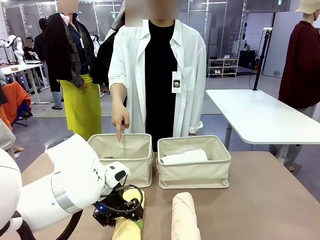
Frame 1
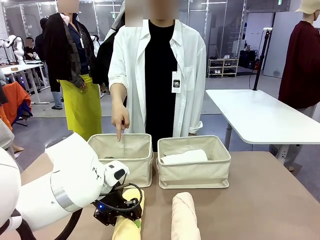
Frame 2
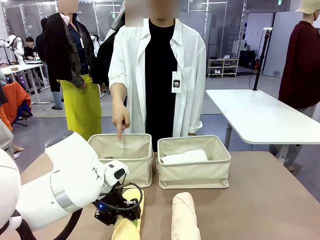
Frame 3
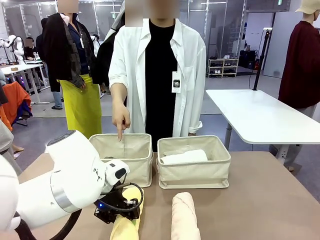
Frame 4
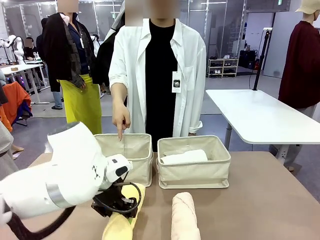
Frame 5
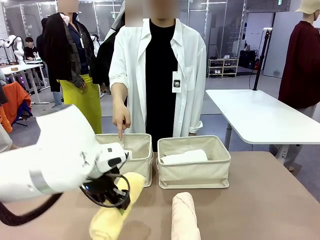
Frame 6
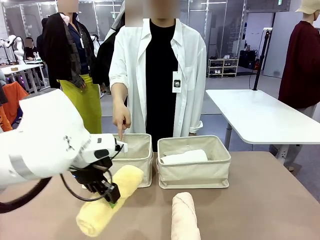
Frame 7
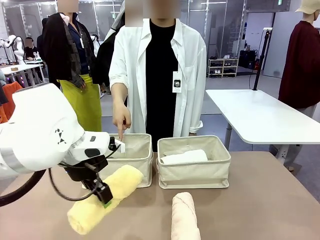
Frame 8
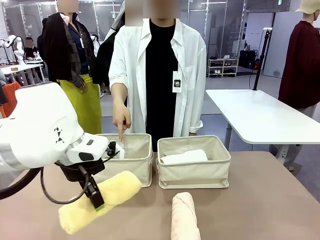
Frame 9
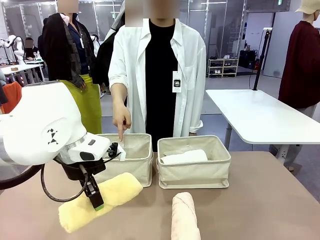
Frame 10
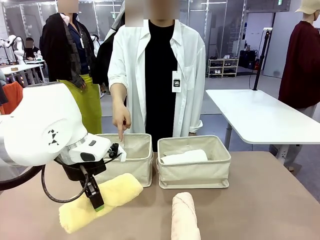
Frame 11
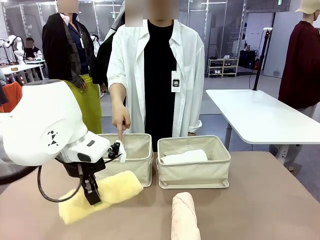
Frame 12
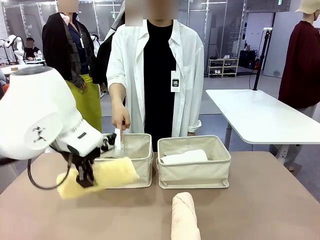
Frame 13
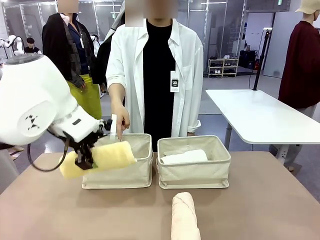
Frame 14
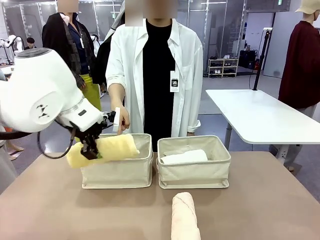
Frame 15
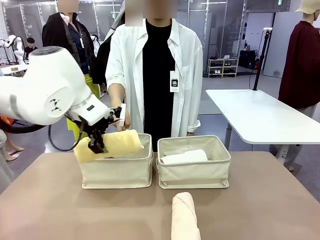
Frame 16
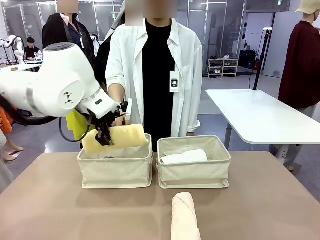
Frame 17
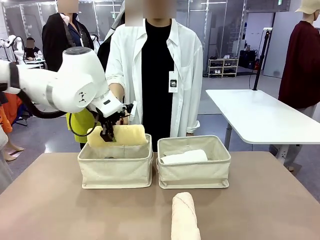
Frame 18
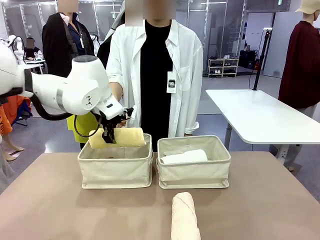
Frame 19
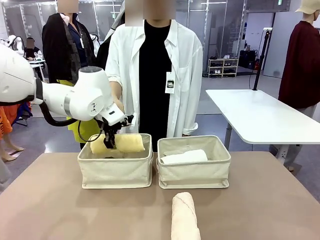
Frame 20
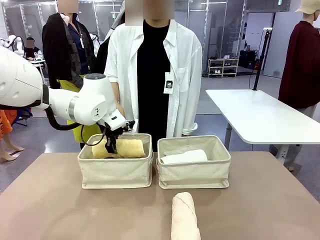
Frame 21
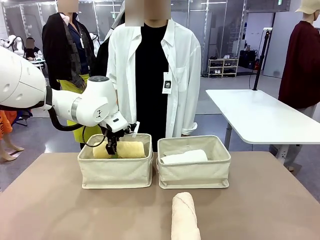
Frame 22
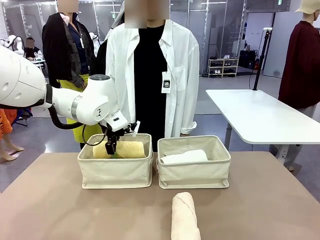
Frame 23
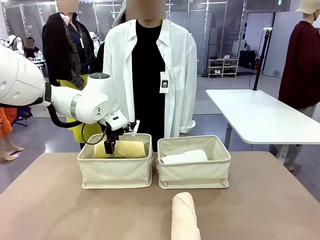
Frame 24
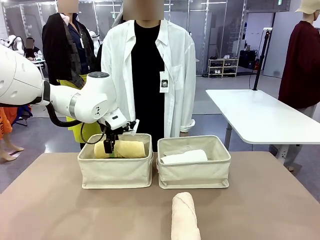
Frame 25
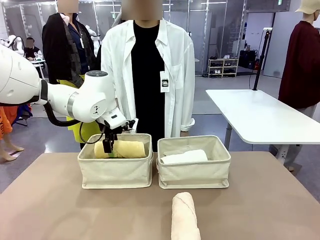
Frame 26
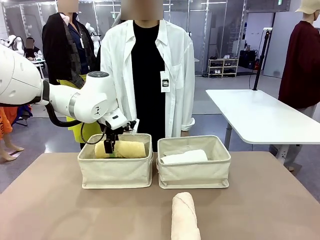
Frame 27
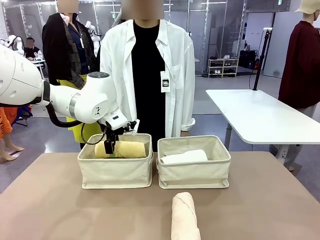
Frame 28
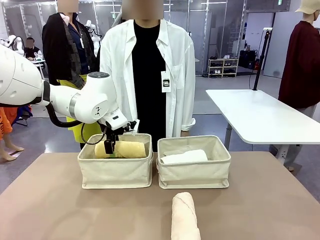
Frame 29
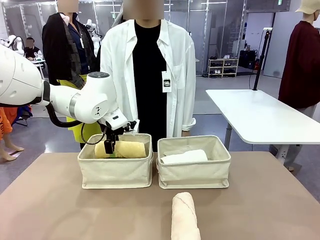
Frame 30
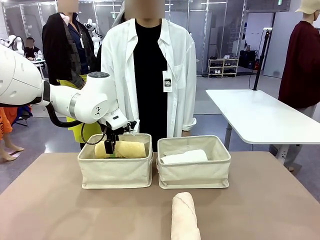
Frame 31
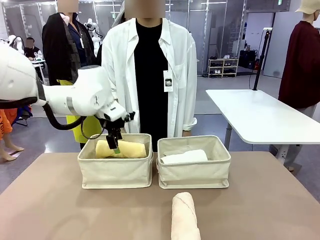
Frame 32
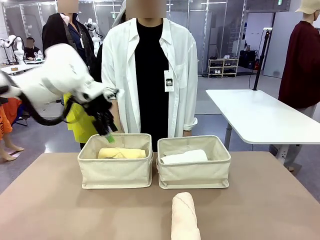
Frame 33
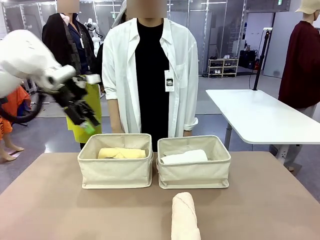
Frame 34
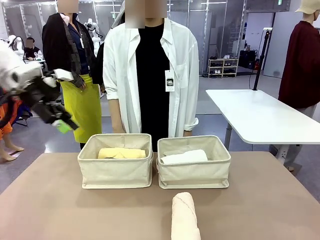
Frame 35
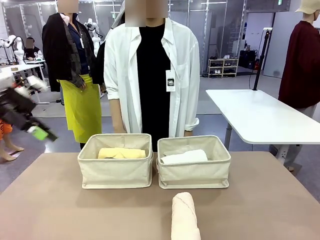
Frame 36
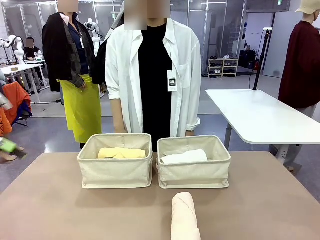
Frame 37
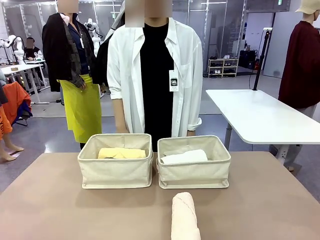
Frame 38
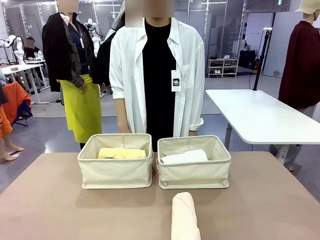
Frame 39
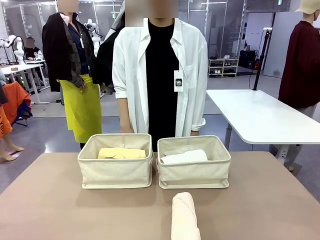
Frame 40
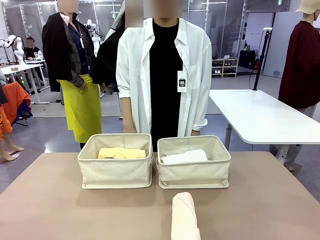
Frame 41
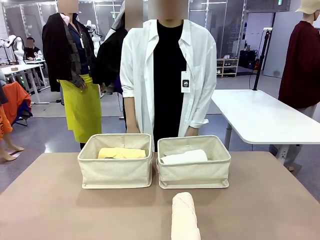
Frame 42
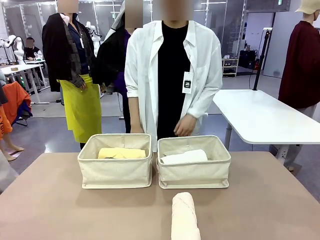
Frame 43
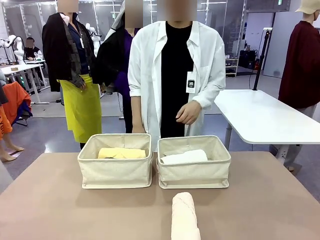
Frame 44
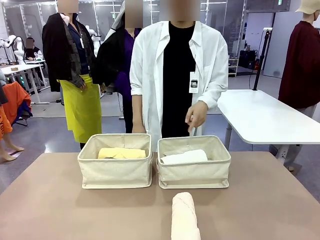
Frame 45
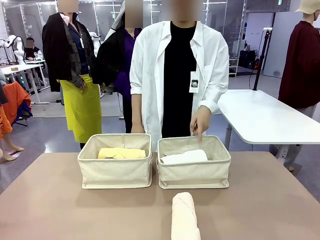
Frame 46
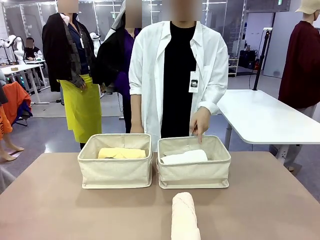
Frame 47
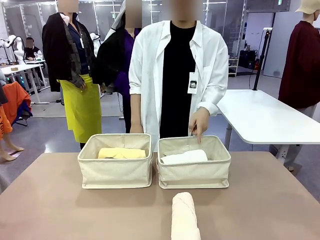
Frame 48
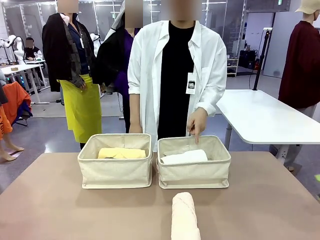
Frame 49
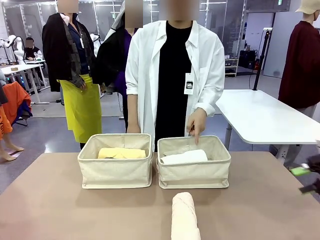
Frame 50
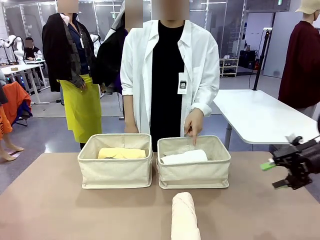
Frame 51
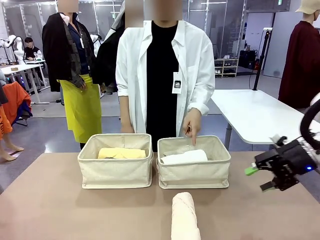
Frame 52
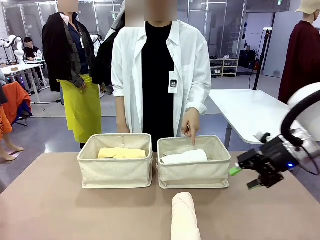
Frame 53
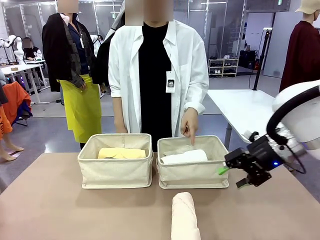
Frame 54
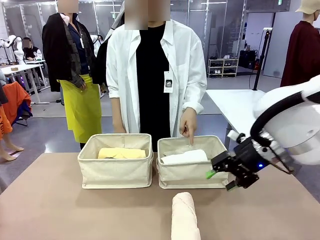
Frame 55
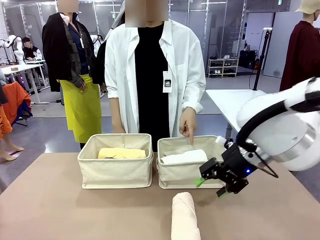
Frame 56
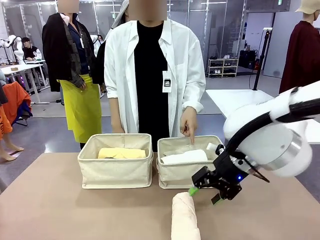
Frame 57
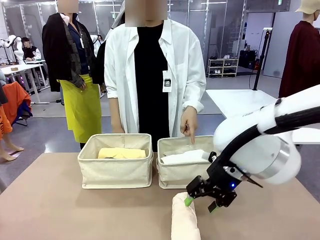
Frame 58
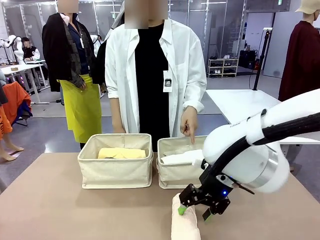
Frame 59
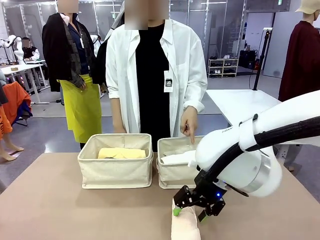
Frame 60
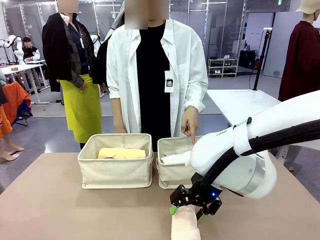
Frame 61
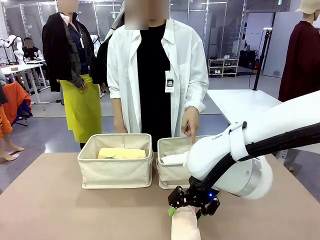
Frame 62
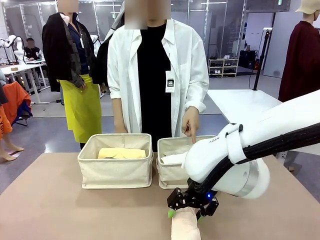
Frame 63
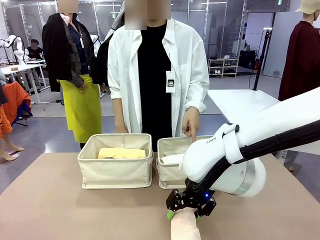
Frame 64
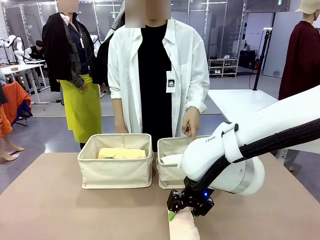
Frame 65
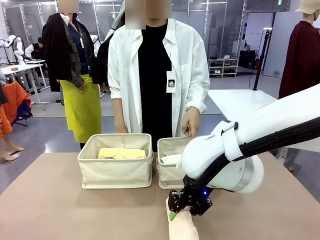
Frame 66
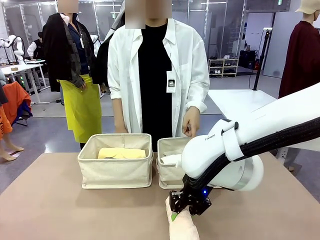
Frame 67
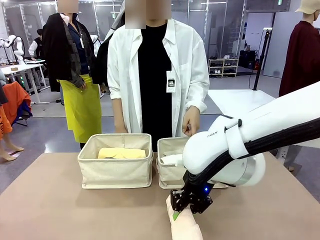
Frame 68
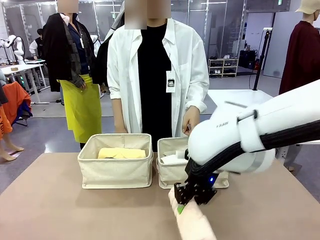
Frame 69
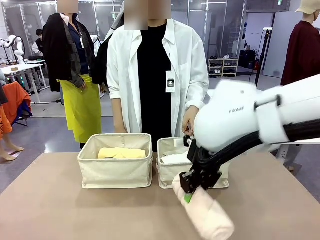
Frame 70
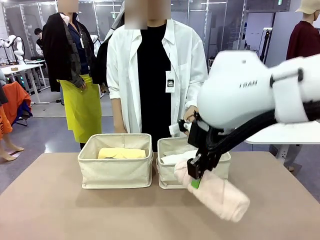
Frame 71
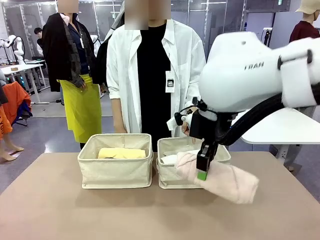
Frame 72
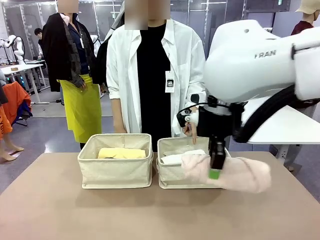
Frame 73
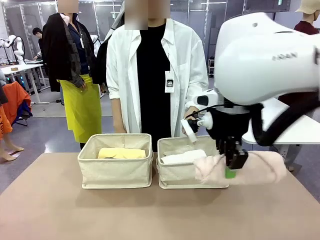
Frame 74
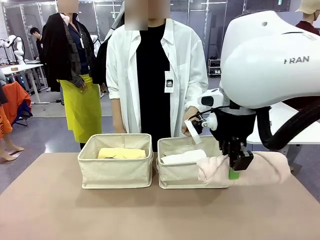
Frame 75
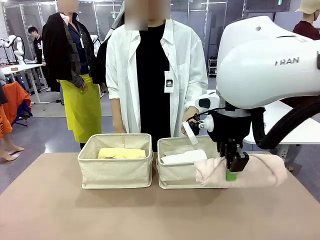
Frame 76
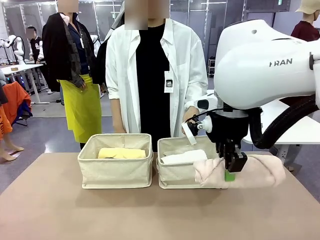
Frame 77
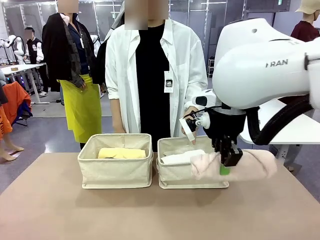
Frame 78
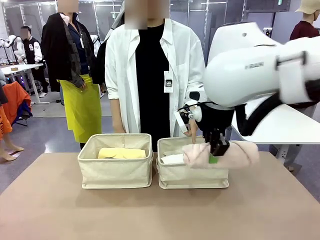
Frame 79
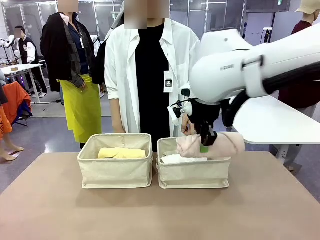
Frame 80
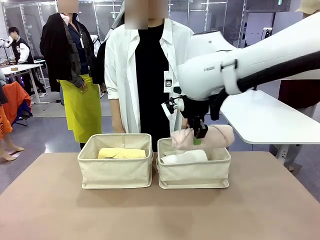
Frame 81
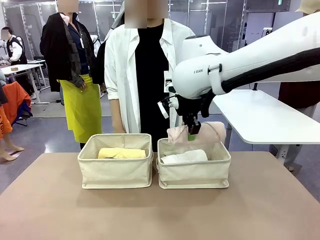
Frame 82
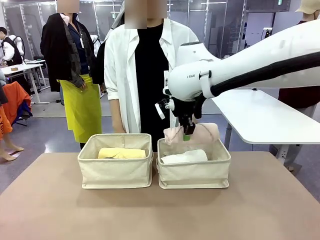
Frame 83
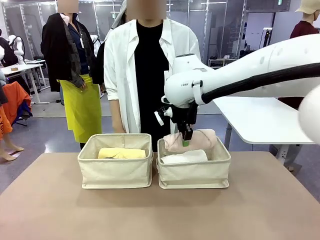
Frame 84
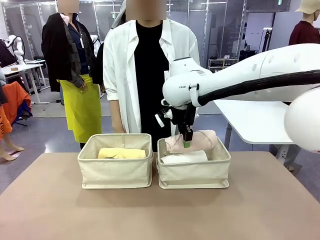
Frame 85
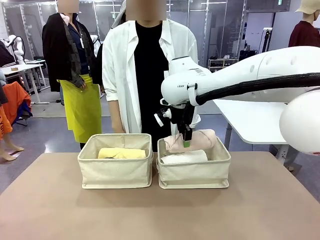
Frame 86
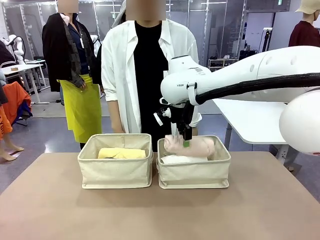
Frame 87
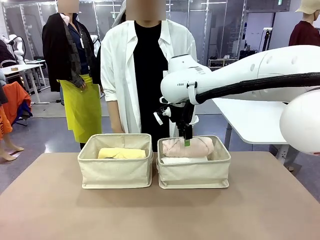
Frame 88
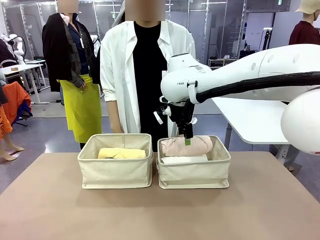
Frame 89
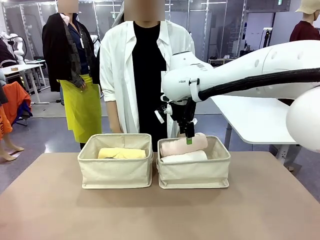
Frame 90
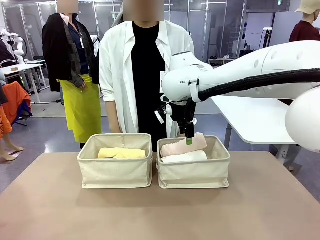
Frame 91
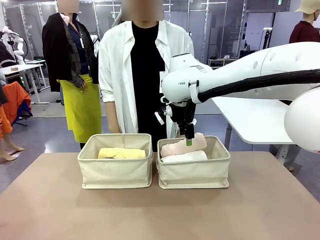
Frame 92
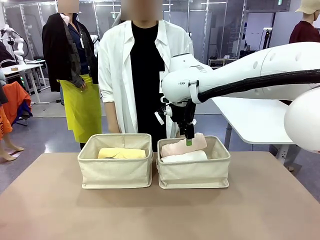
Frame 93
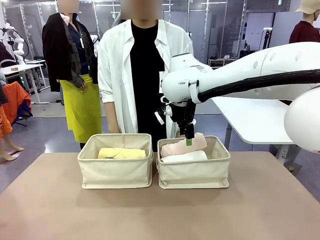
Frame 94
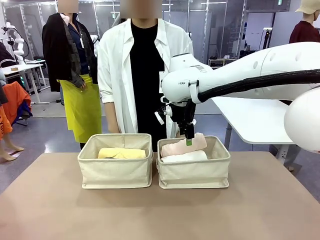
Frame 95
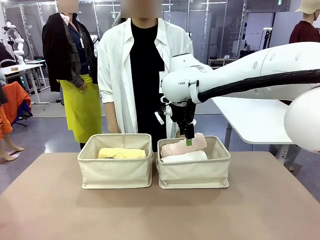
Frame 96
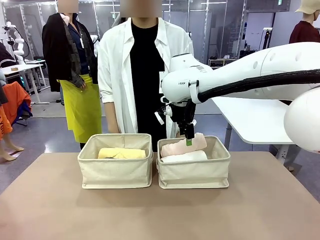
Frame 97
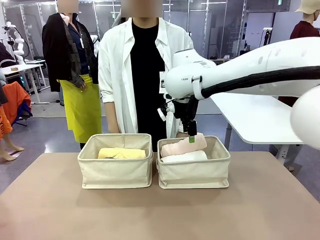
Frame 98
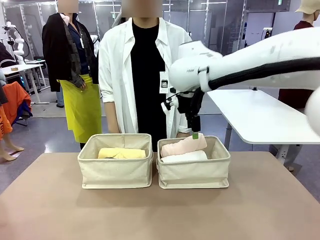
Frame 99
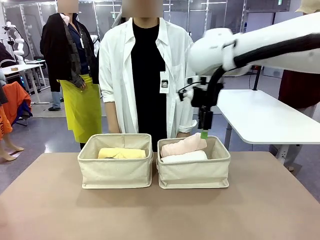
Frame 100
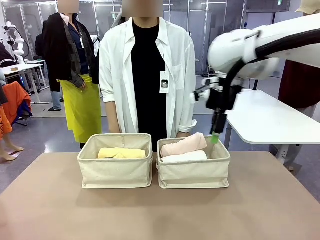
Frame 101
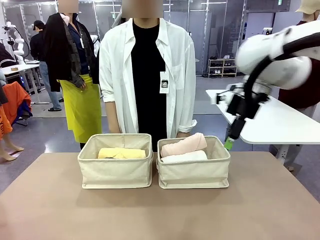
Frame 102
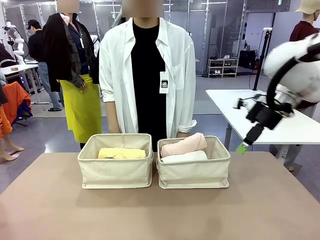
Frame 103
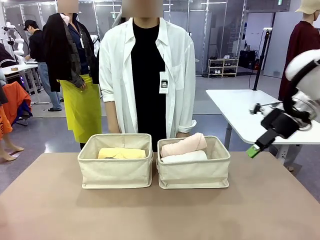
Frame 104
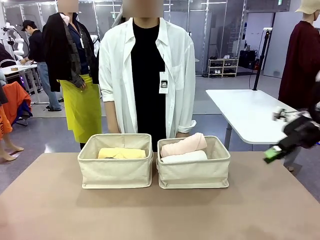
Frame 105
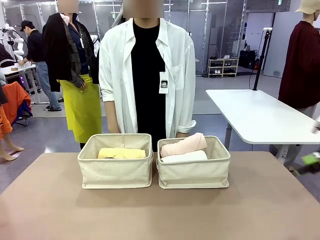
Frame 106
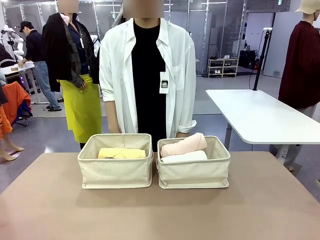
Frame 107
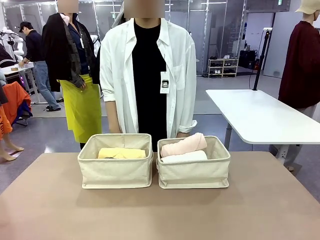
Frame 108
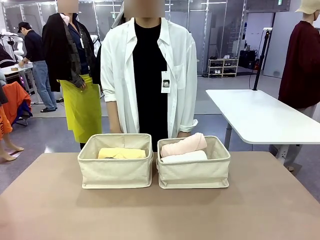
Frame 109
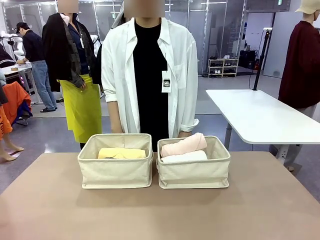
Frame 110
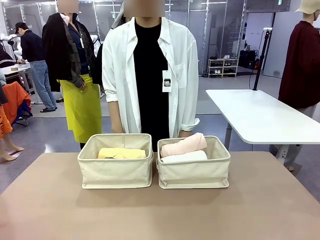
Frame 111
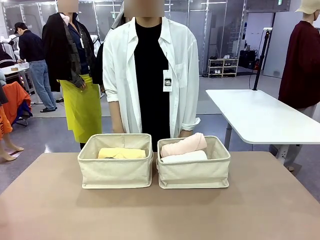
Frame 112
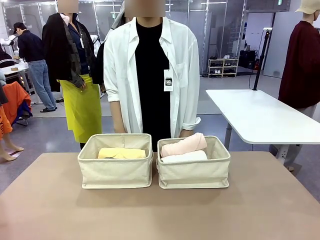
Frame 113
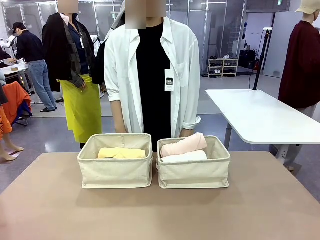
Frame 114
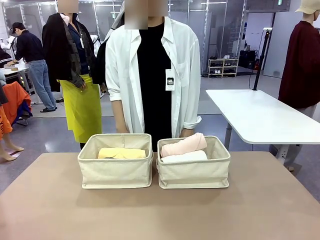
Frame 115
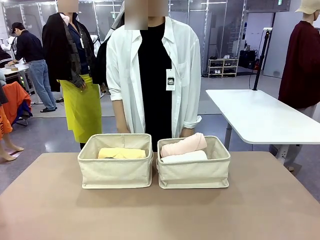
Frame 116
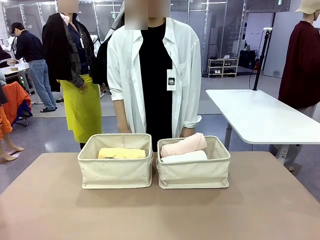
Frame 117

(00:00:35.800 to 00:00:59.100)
Task: Divide the towels into two baskets.
Robot: Pick up one hotel-folded towel from the bottom of the table and place it in the Fabric basket indicated by the person.
